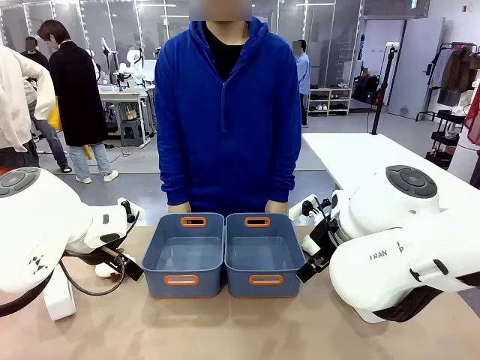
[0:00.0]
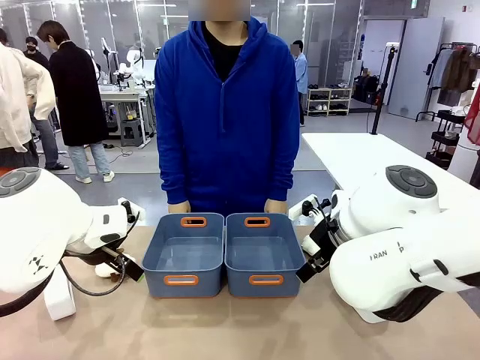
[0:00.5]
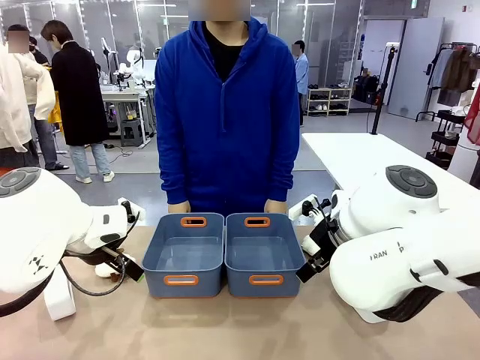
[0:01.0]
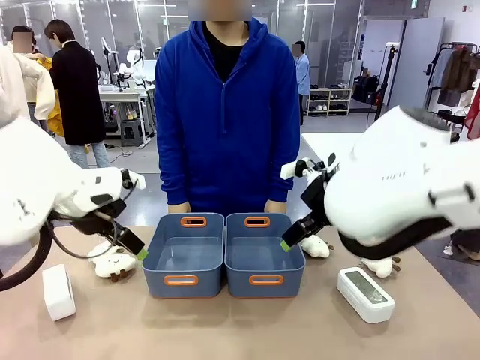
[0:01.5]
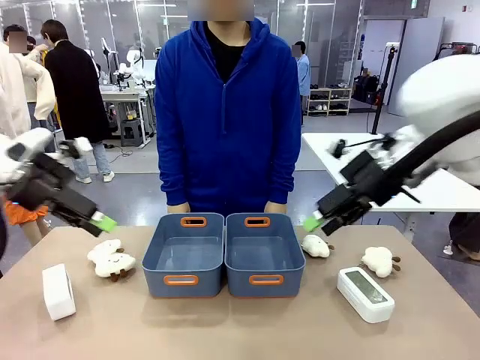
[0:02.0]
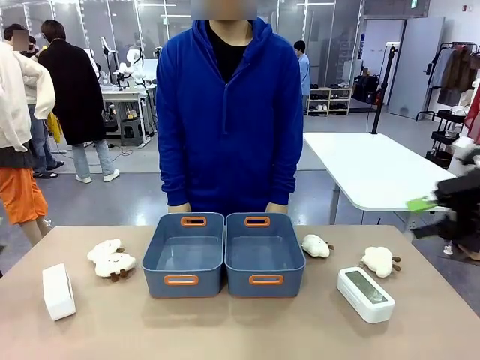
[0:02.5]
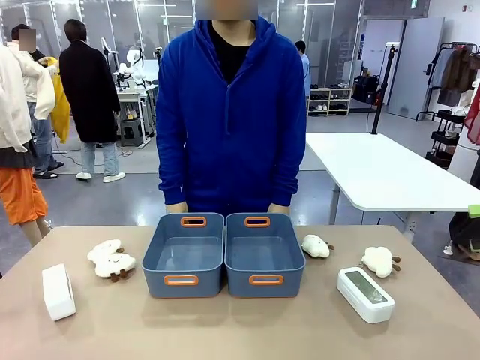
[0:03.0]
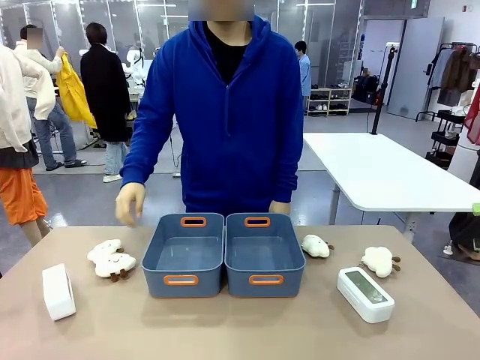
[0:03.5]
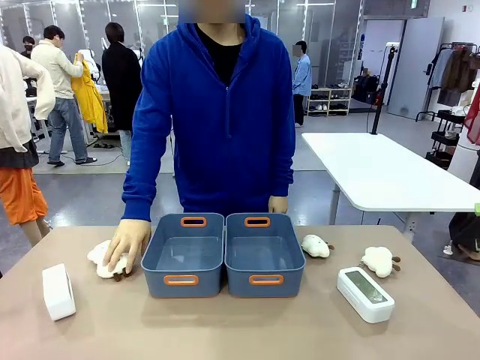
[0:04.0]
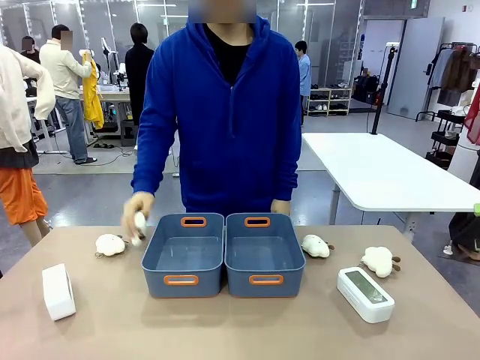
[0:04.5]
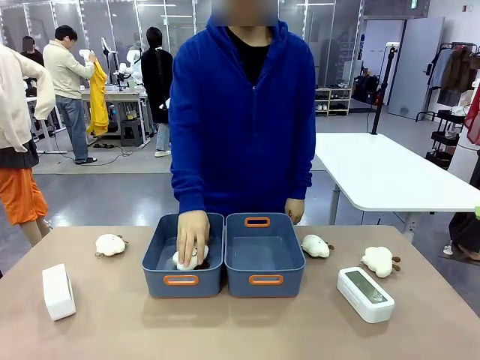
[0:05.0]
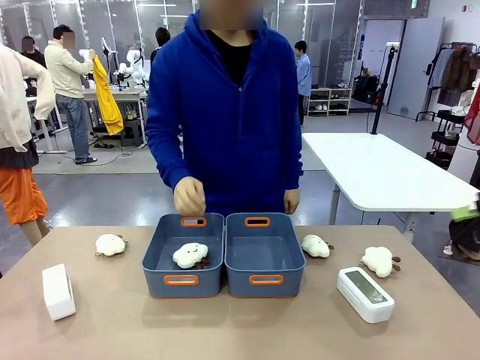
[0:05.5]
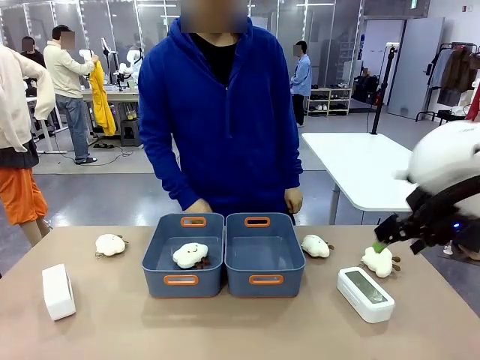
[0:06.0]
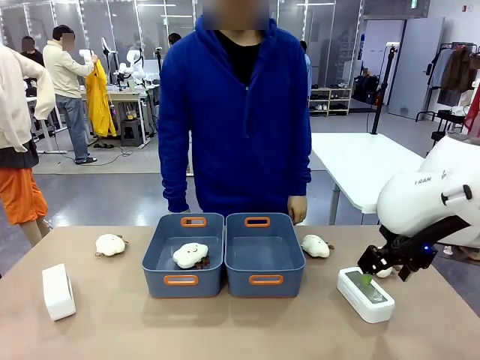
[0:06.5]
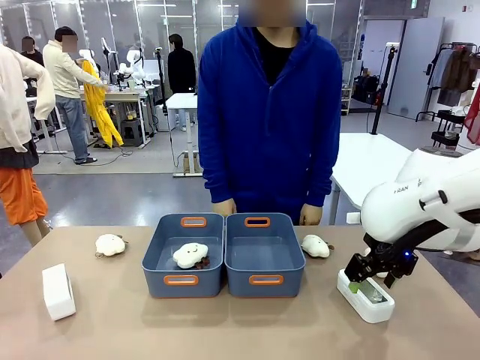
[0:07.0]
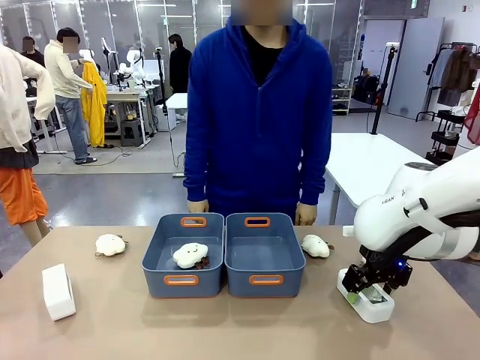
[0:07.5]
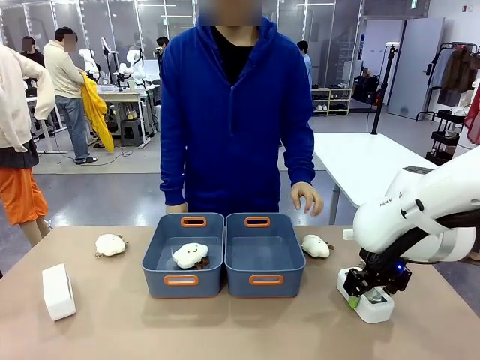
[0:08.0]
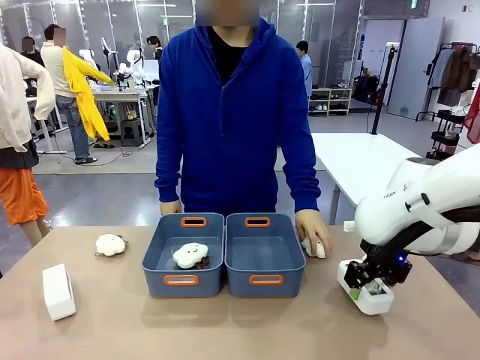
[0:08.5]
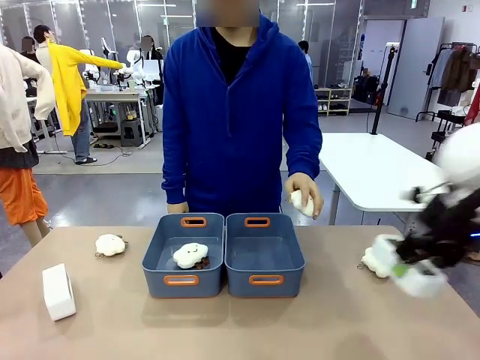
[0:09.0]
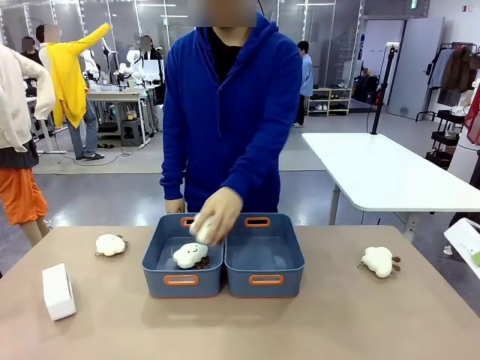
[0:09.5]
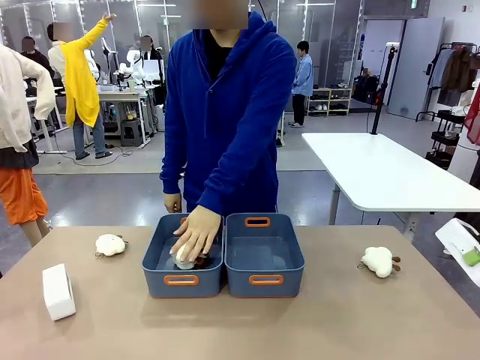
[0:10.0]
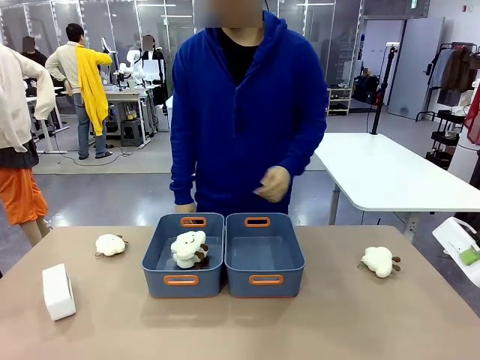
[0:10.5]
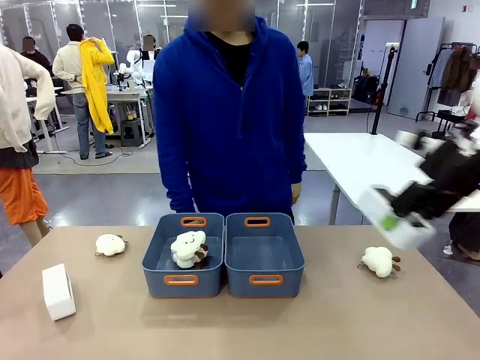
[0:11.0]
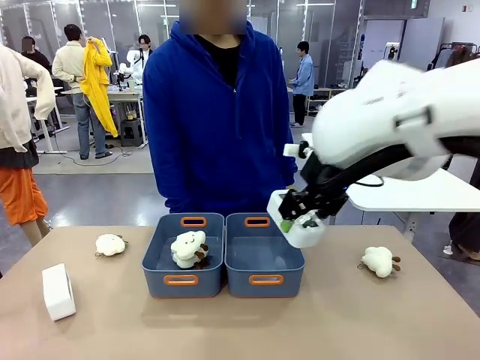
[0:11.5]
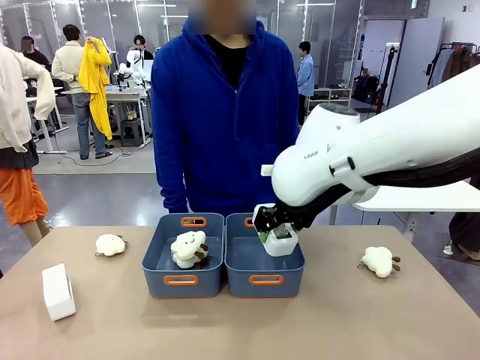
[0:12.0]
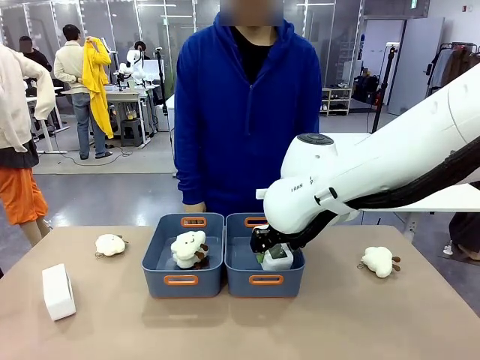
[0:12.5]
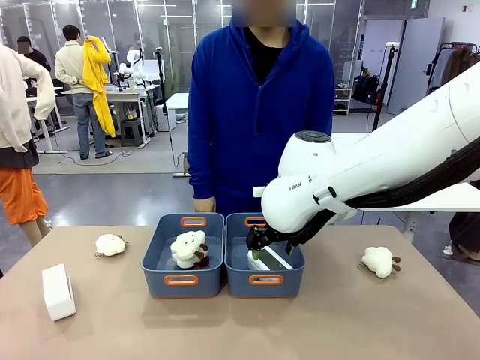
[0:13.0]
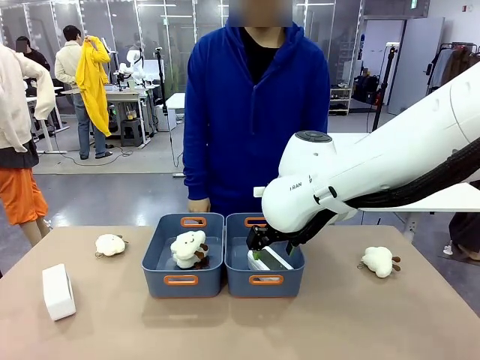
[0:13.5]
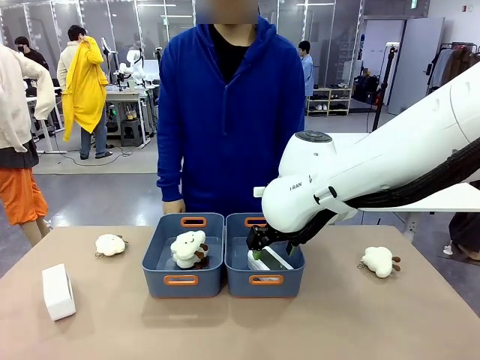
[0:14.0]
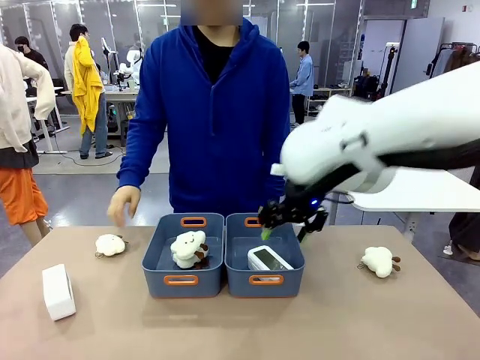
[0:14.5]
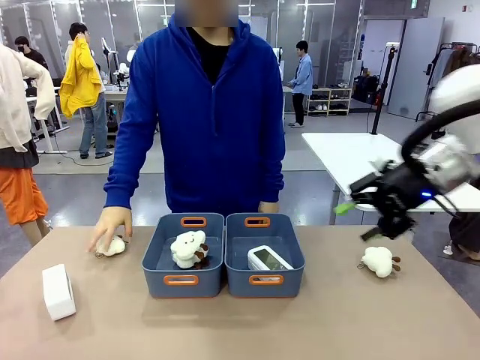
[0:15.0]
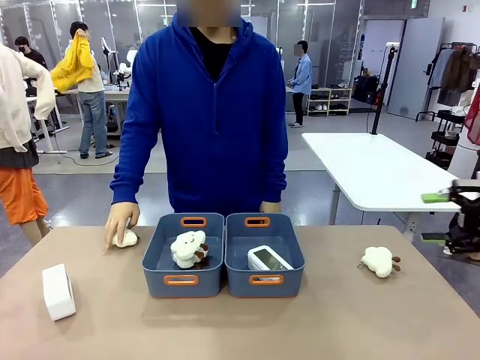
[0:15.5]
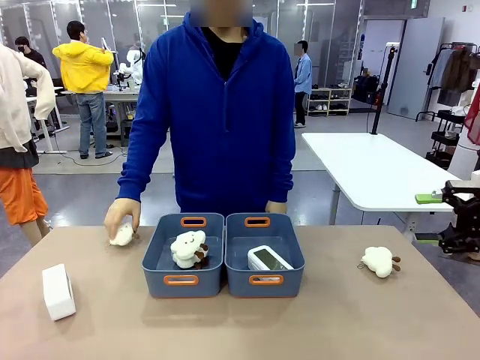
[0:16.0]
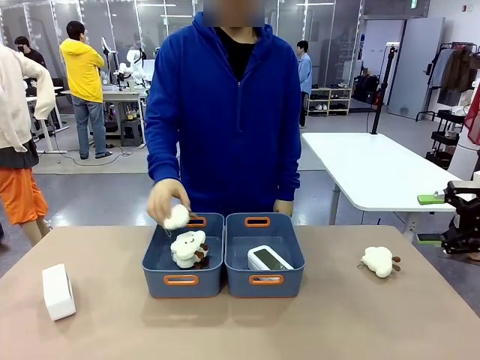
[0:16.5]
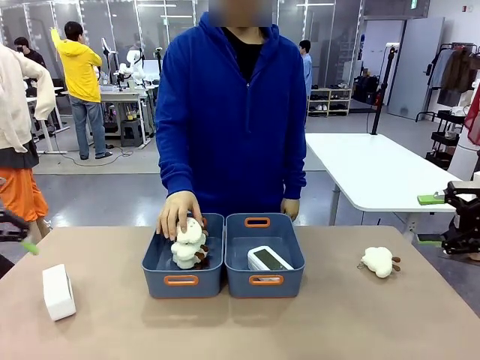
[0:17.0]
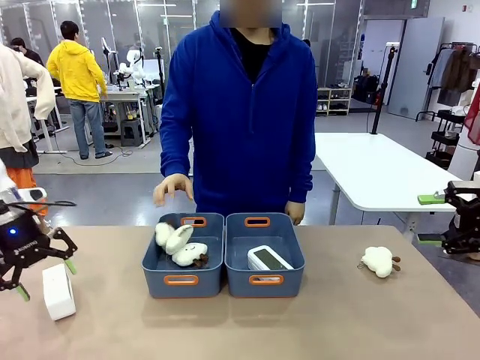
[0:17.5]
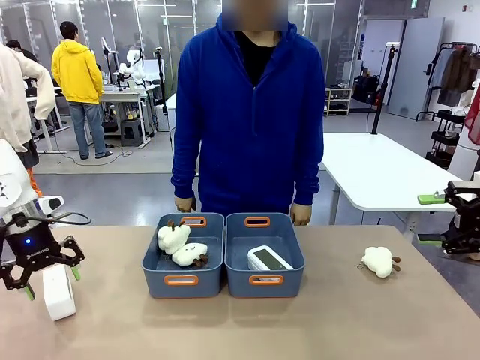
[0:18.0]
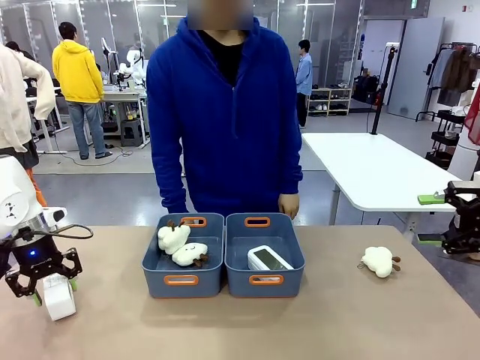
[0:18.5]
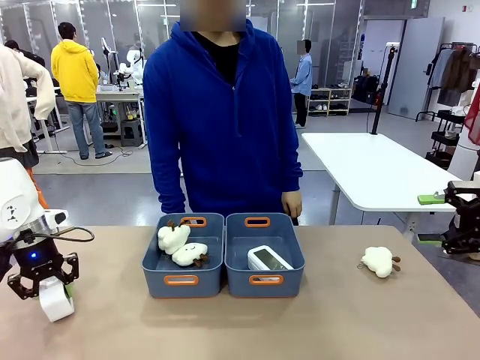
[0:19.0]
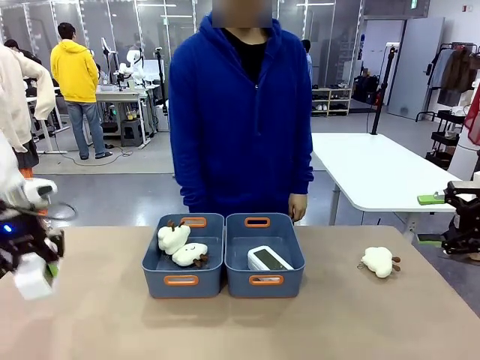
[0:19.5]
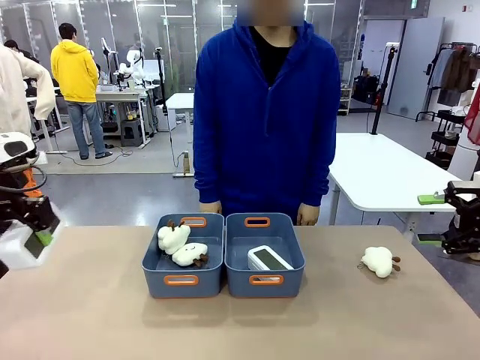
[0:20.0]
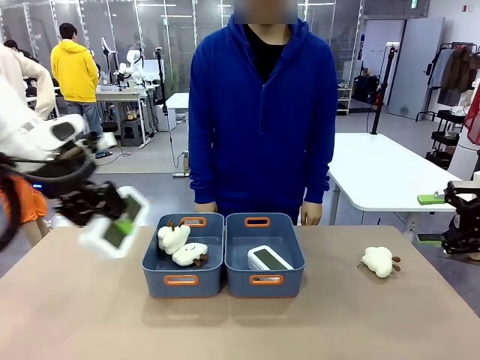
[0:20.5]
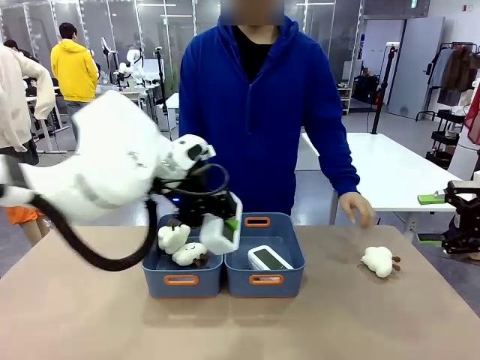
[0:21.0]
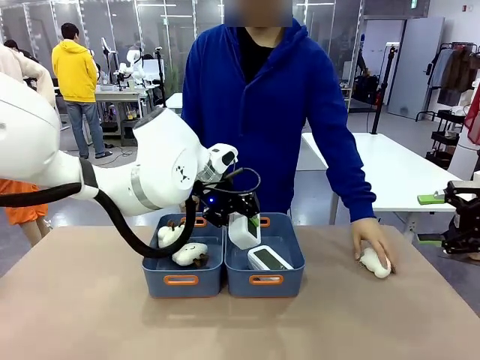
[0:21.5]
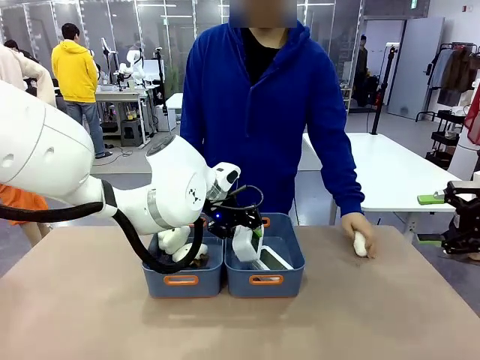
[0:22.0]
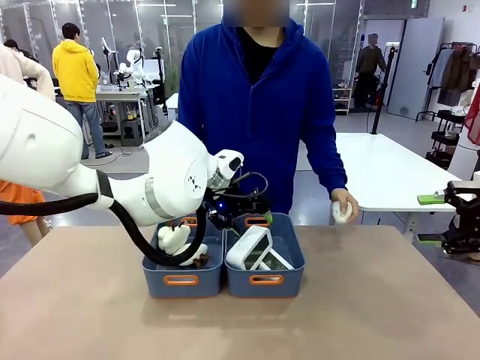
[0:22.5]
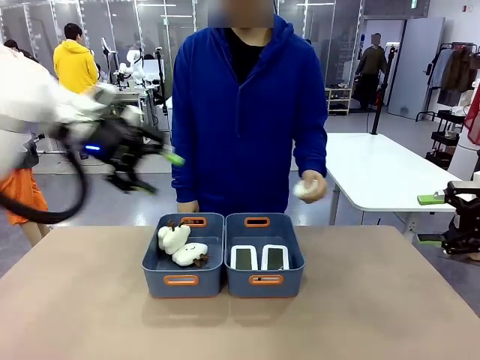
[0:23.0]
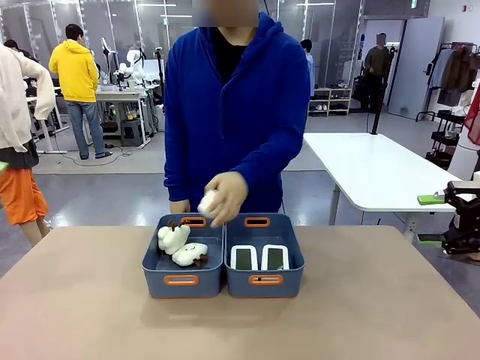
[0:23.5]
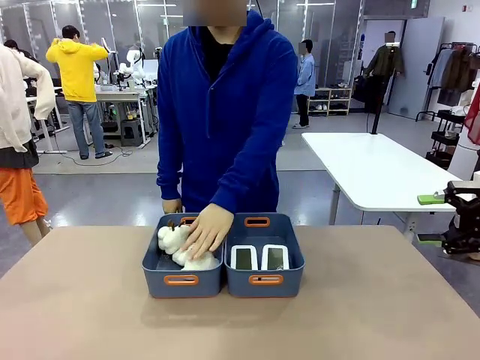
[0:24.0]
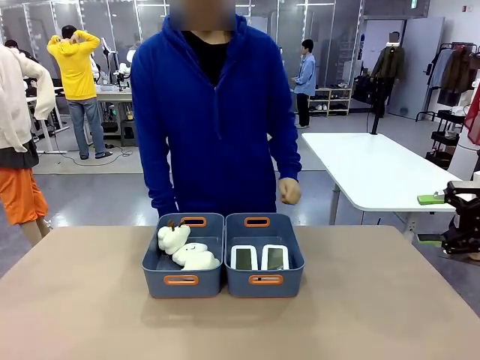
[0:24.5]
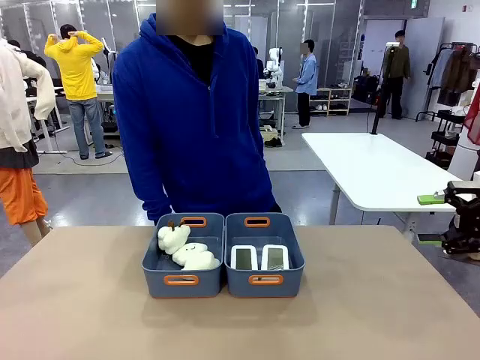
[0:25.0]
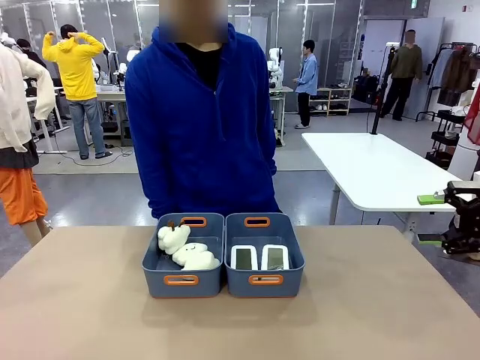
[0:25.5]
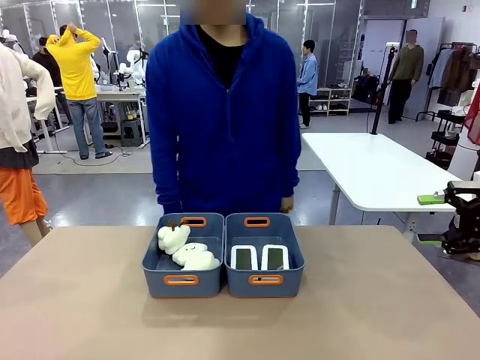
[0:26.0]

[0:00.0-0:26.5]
Task: Sort the digital clocks into the basket.
Robot: Pick up the Digital clock from the table and place it into the empty Plastic storage basket.
Person: Pick up a plush toy from the table and place it in a plastic storage basket. Pick up a plush toy from the table and place it in the plastic storage basket containing the plush toy.
